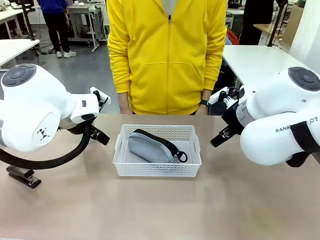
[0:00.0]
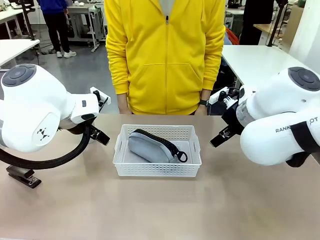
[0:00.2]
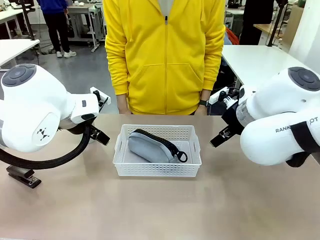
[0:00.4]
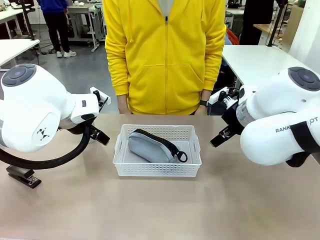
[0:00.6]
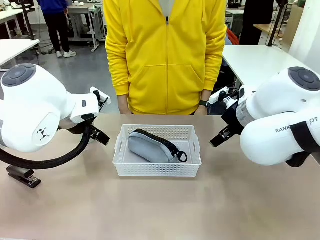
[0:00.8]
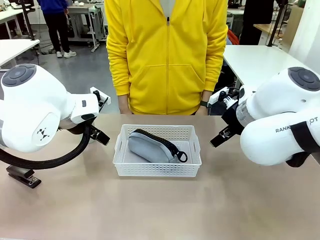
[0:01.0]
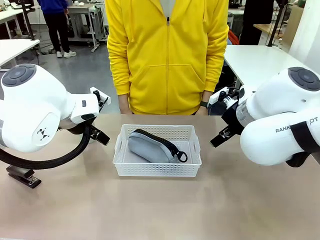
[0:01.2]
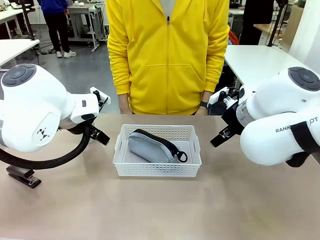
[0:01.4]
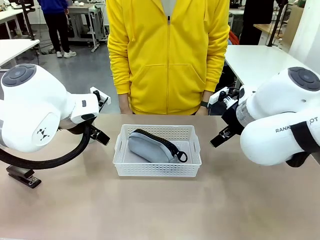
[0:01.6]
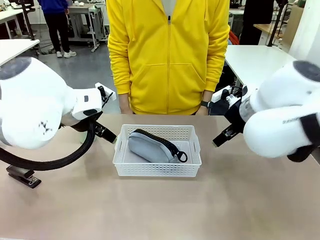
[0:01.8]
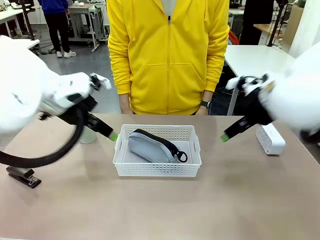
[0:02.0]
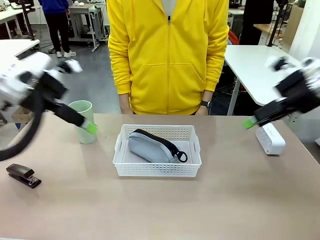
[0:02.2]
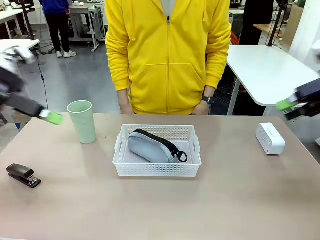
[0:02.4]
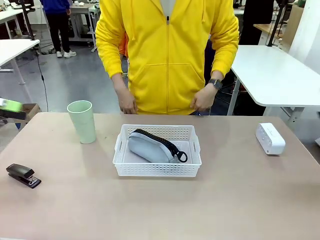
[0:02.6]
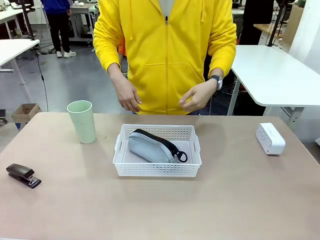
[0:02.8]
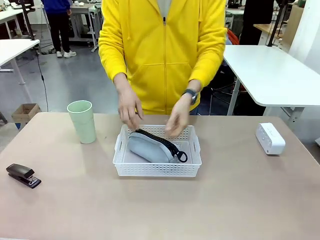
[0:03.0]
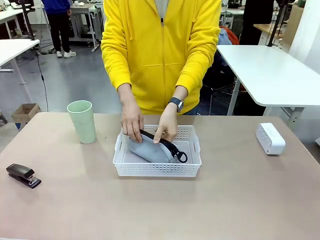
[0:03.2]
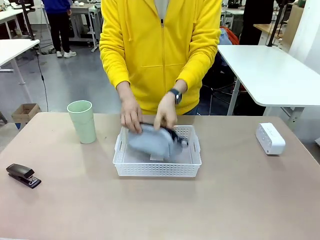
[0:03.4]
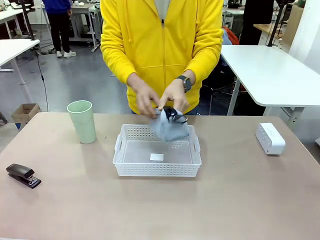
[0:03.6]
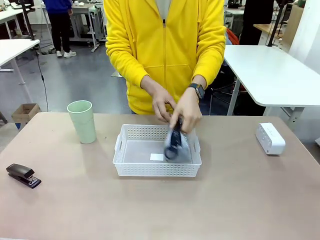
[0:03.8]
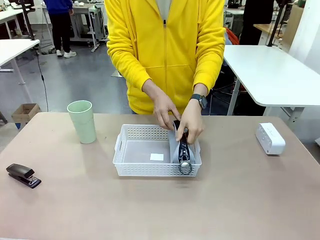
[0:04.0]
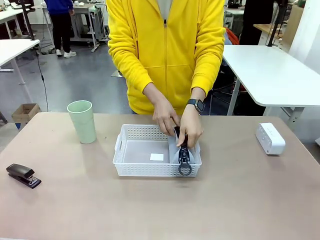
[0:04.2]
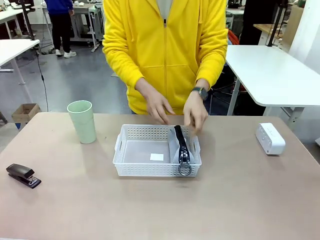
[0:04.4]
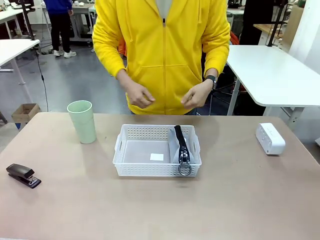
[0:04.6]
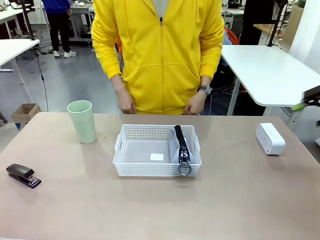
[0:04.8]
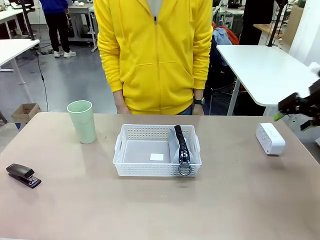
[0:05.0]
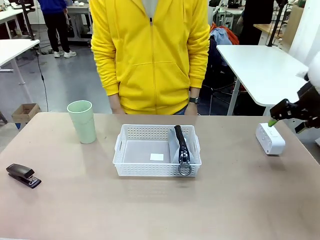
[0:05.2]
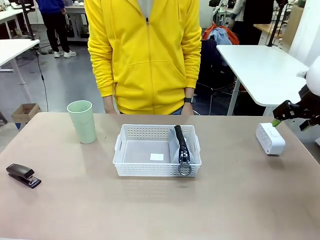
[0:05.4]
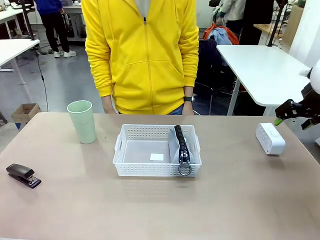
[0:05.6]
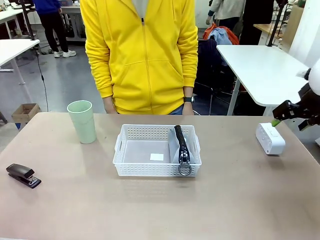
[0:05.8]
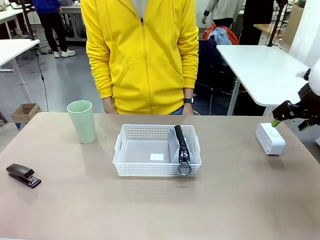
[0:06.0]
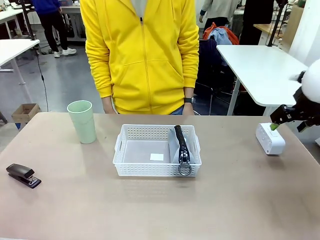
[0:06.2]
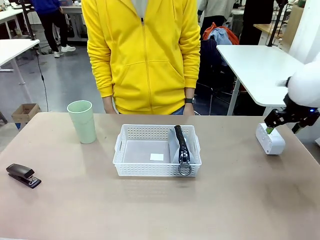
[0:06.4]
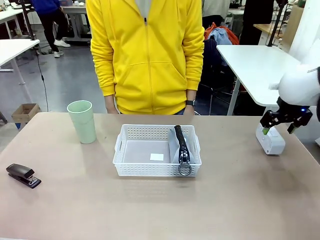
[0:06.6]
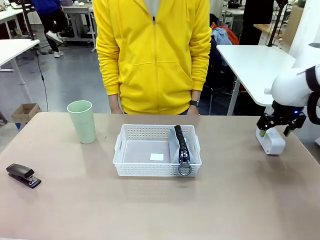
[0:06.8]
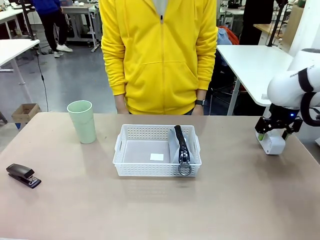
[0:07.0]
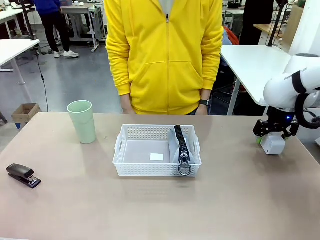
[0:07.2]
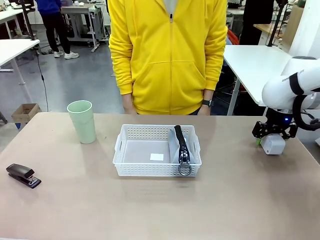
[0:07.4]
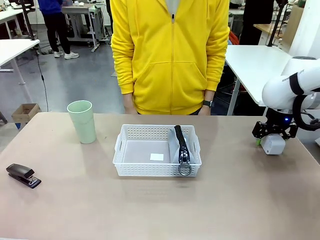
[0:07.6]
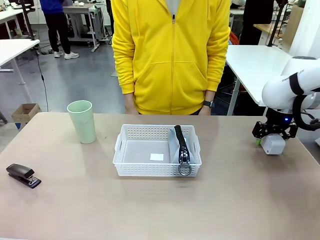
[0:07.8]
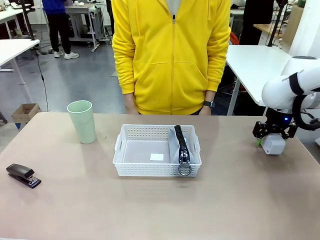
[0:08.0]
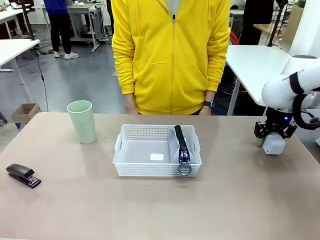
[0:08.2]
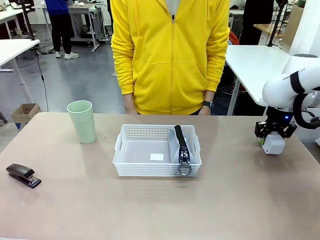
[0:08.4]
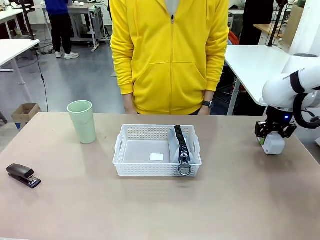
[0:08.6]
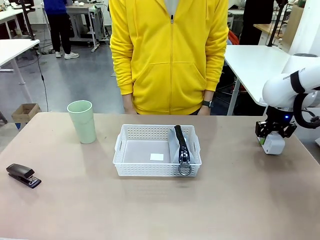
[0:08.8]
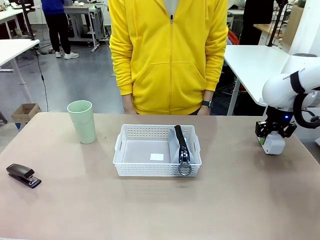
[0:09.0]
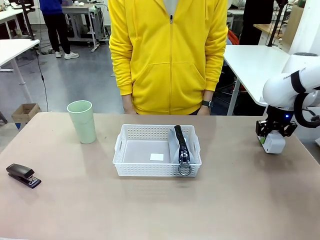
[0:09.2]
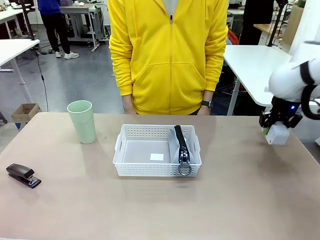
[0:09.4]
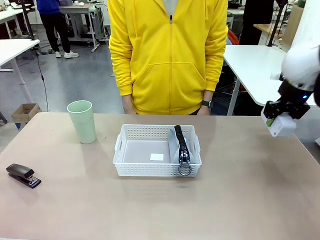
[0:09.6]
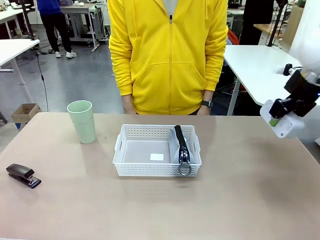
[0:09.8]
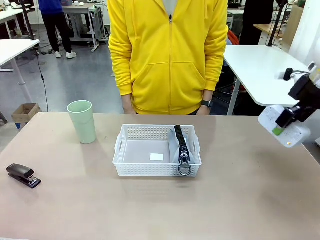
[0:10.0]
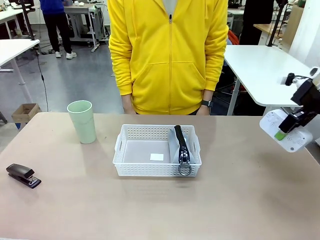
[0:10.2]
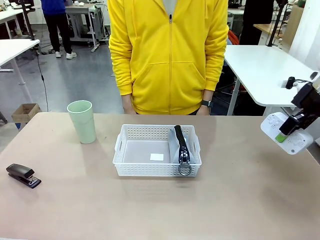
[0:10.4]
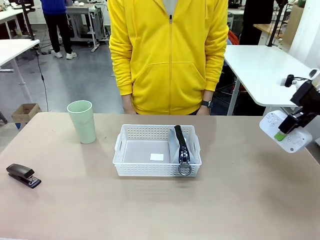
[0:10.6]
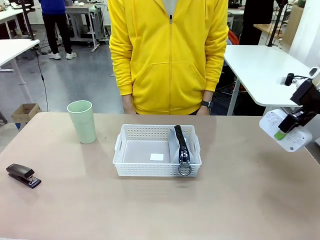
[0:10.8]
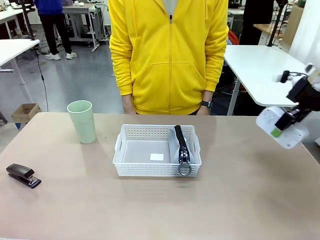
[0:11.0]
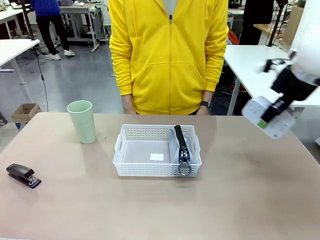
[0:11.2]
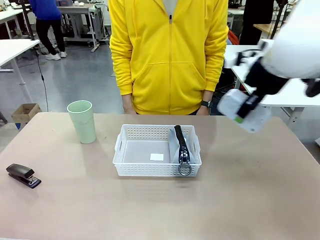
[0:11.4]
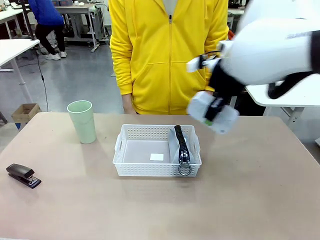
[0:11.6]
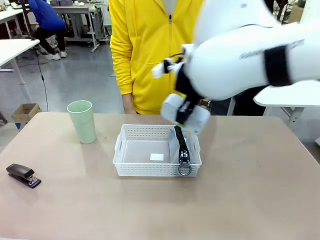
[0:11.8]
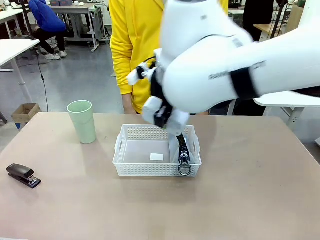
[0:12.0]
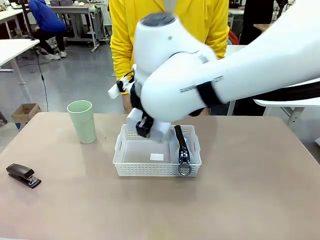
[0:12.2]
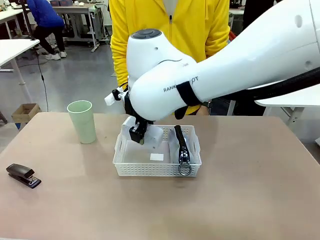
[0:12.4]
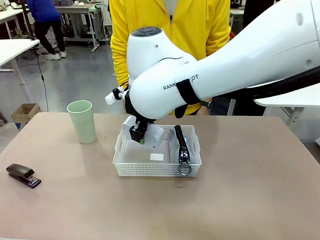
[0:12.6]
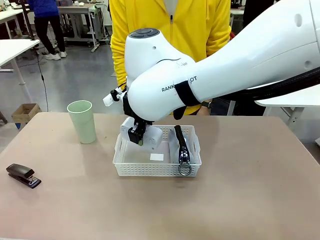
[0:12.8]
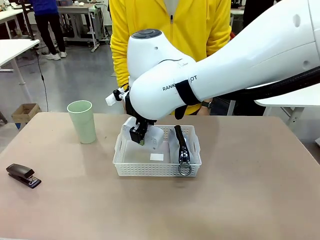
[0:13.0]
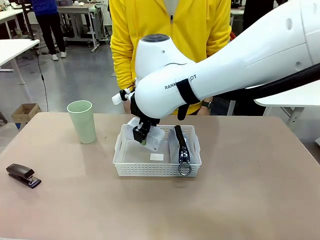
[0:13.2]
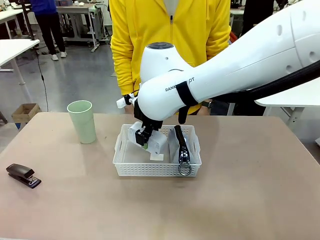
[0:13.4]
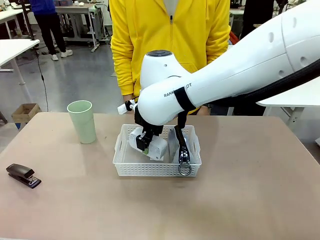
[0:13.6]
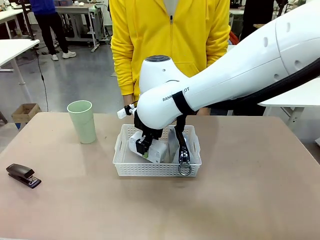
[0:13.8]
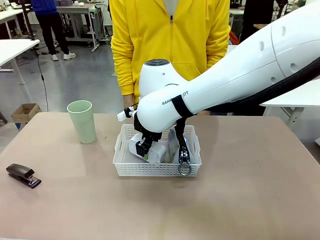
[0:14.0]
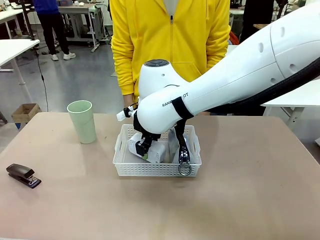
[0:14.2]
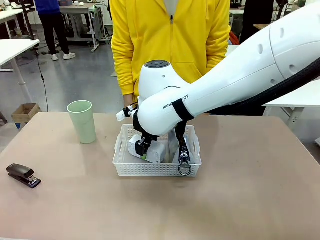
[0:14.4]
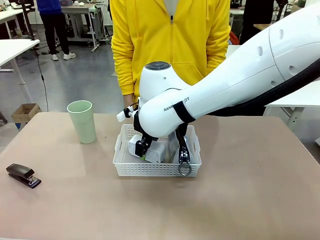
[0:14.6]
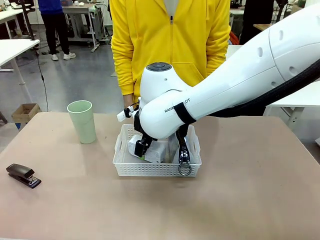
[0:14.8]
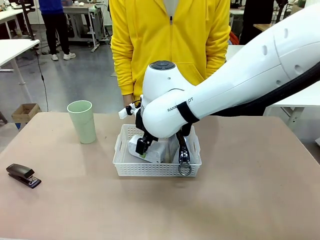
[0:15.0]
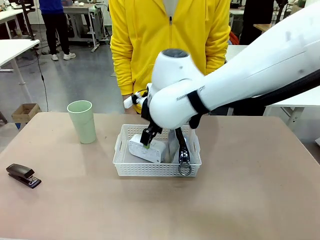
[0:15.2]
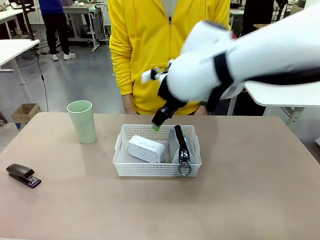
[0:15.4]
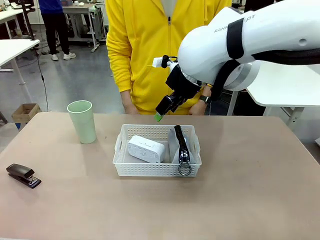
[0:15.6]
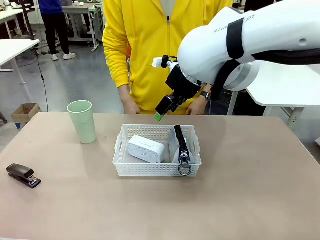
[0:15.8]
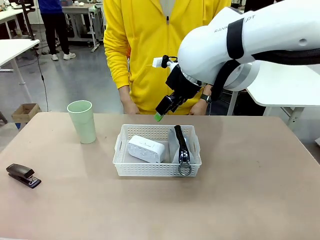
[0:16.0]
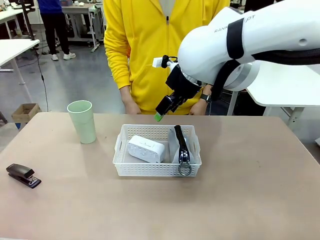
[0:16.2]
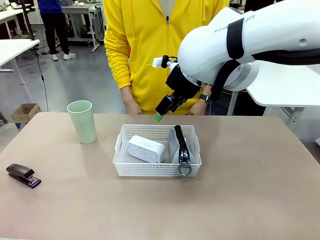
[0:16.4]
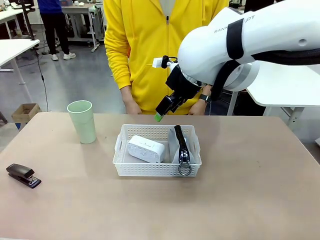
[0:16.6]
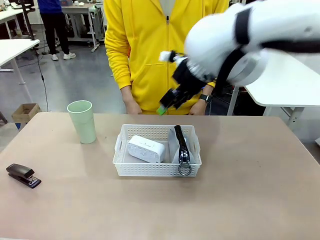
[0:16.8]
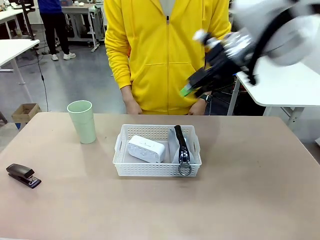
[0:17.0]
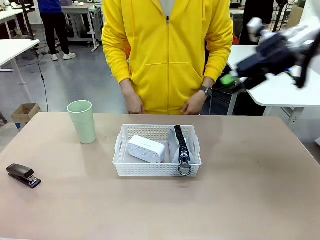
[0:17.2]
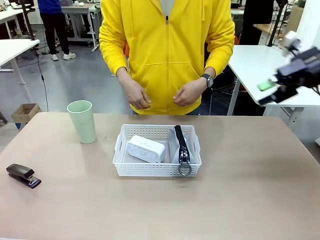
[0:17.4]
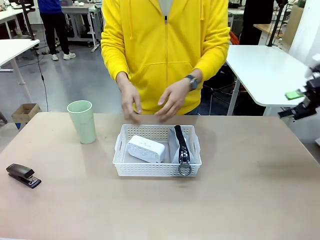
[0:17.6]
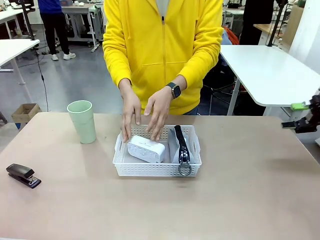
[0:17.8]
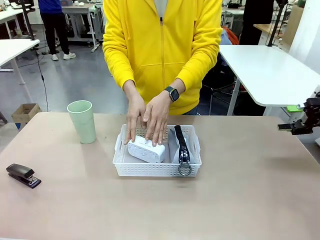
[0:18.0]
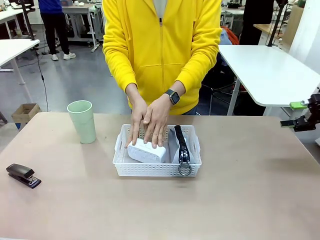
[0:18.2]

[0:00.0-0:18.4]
Task: Efficiently arrange items inside the basket to fit them all.
Robot: Pick up the Digital clock and place it inside the Organizing basket.
Person: Repositions the pencil case. Repositions the digital clock.
